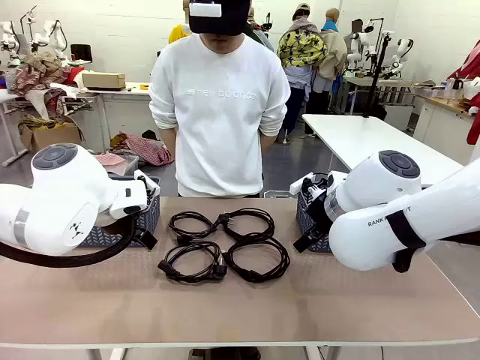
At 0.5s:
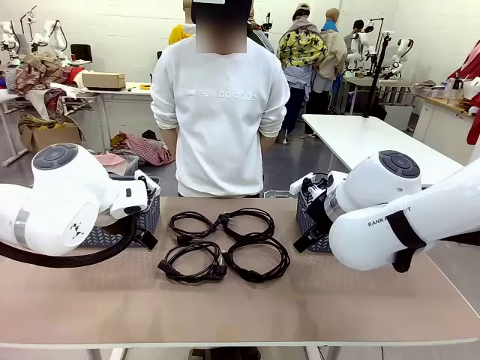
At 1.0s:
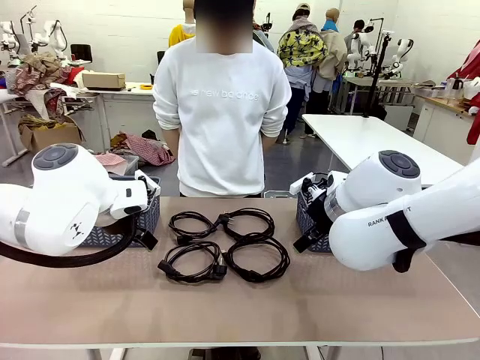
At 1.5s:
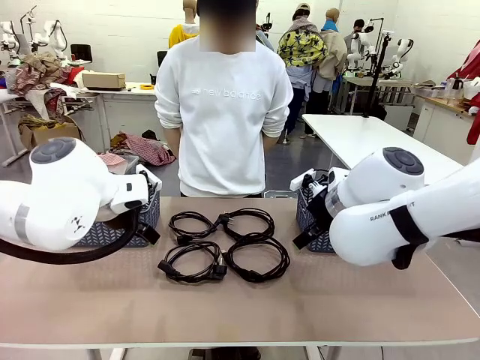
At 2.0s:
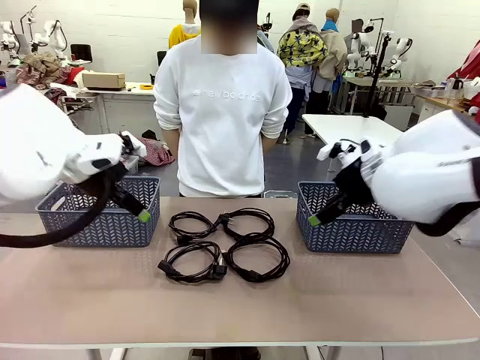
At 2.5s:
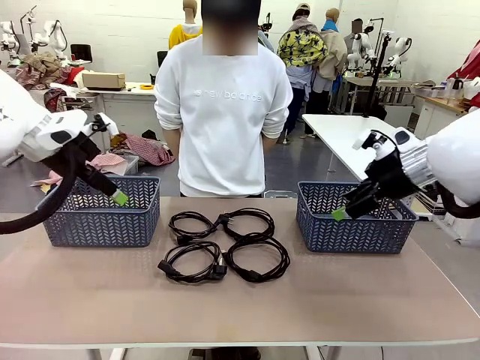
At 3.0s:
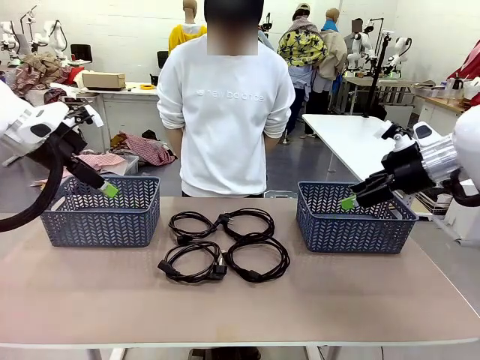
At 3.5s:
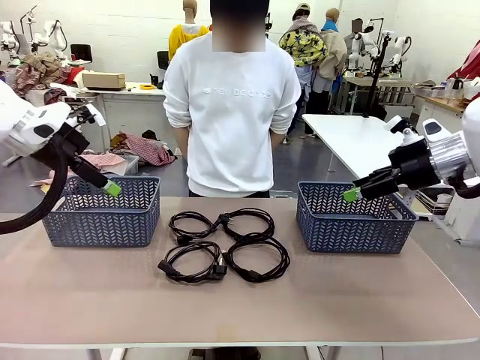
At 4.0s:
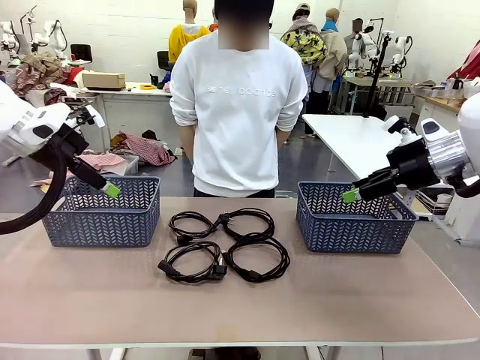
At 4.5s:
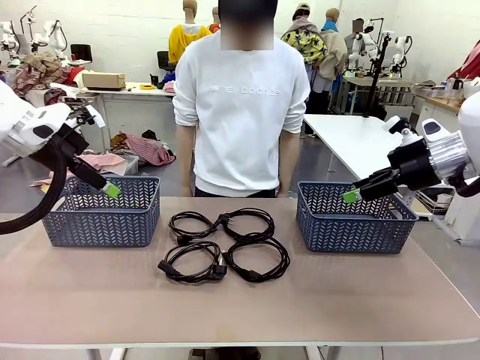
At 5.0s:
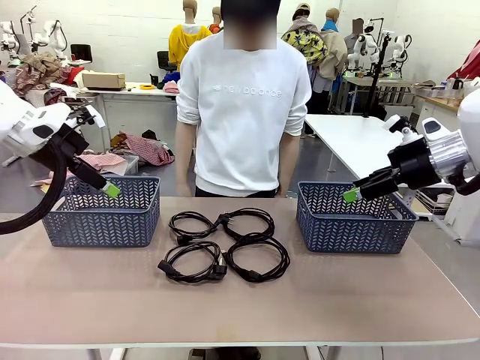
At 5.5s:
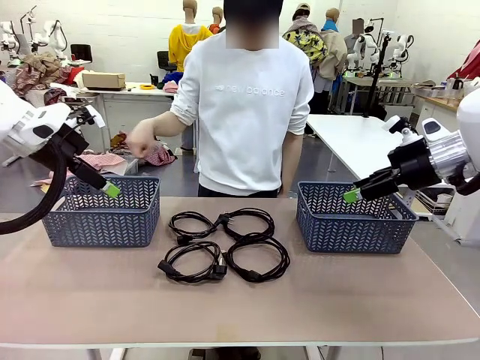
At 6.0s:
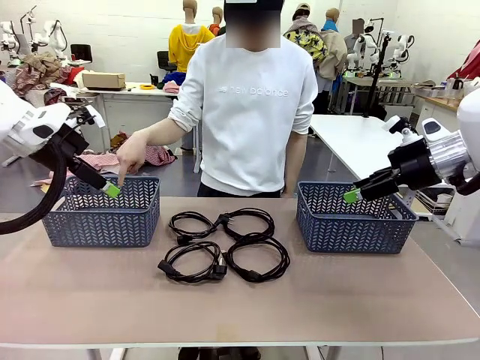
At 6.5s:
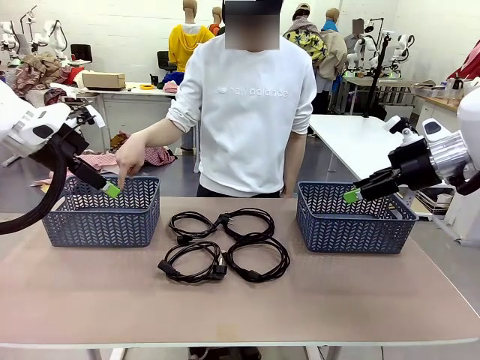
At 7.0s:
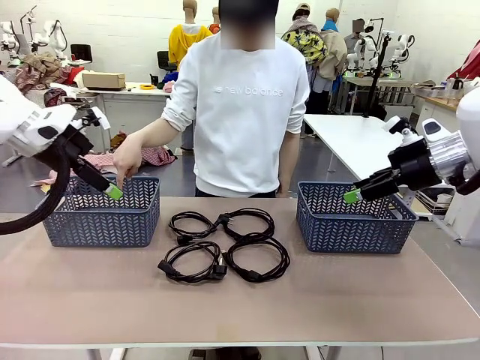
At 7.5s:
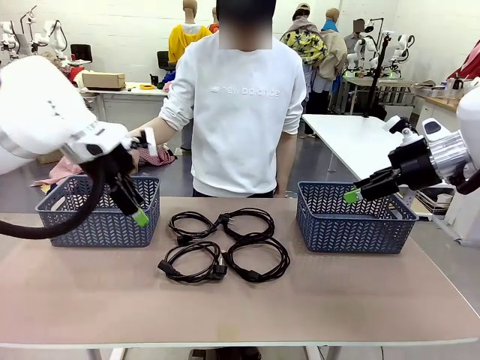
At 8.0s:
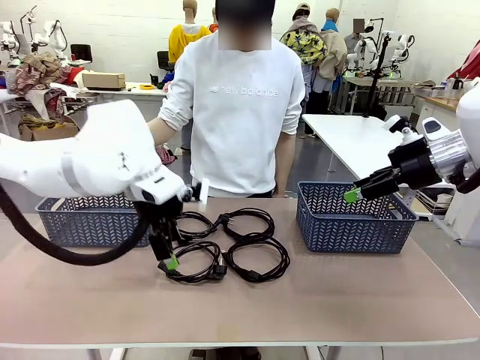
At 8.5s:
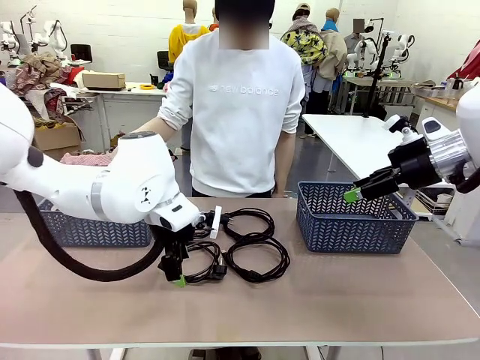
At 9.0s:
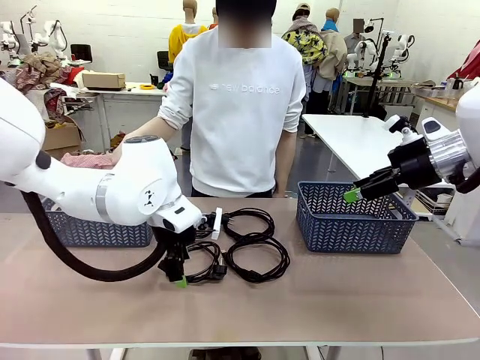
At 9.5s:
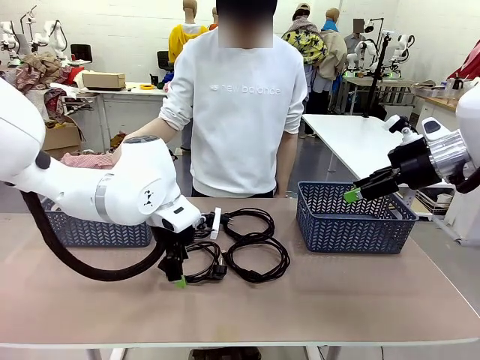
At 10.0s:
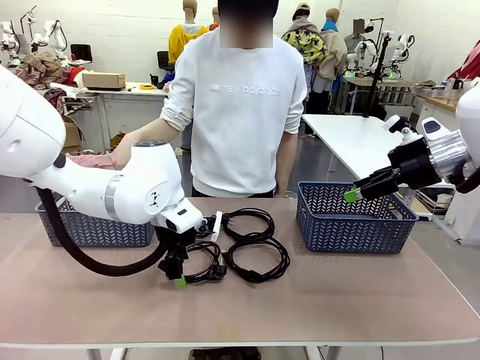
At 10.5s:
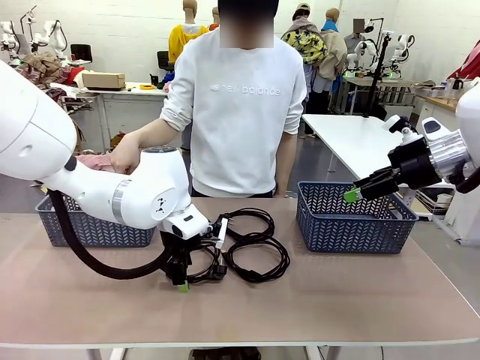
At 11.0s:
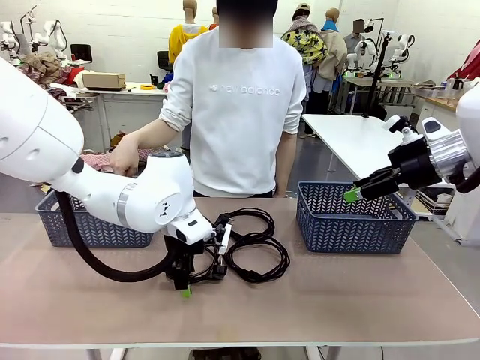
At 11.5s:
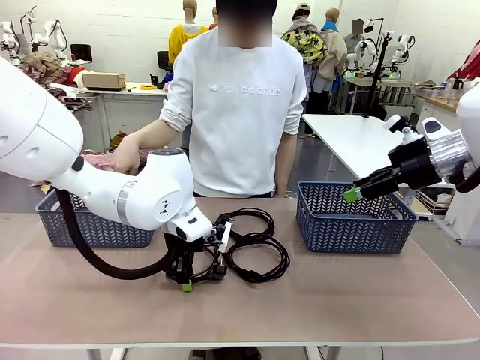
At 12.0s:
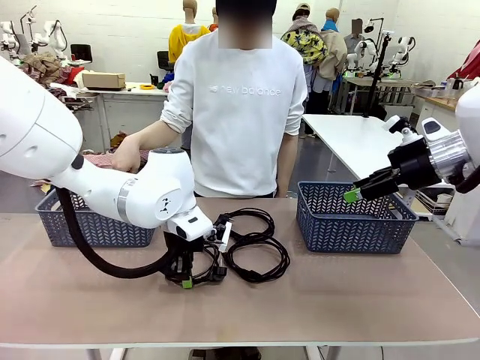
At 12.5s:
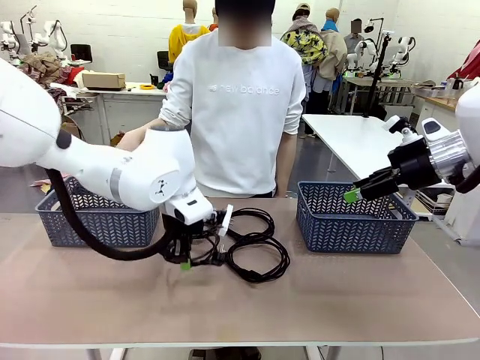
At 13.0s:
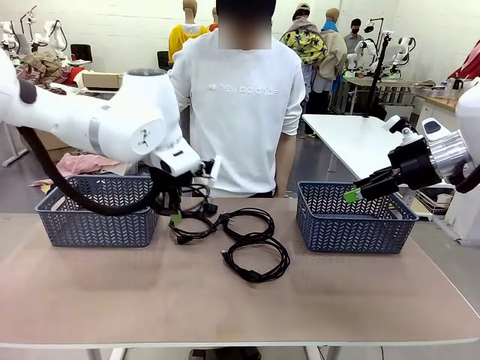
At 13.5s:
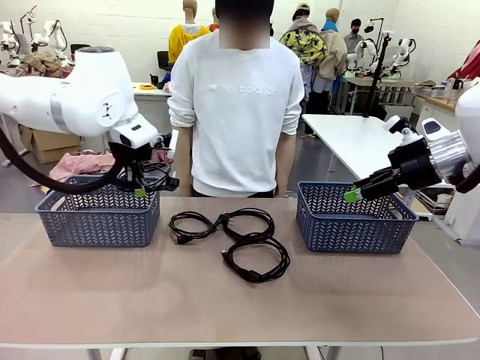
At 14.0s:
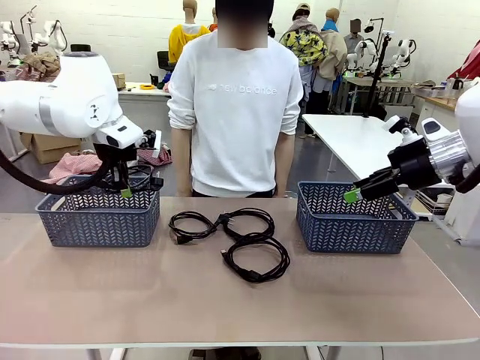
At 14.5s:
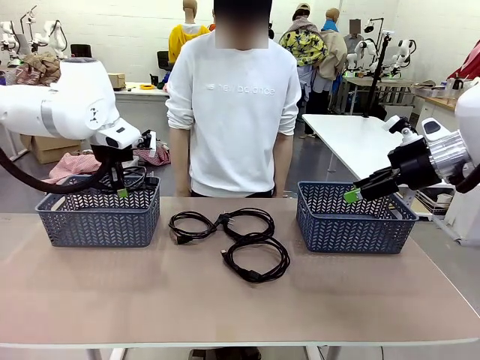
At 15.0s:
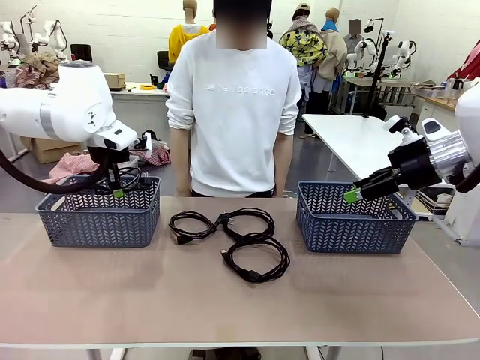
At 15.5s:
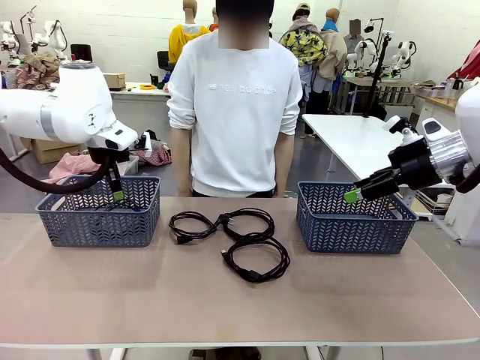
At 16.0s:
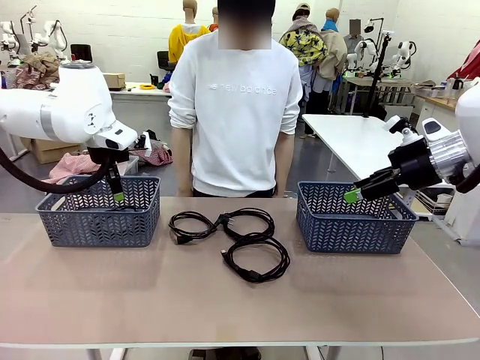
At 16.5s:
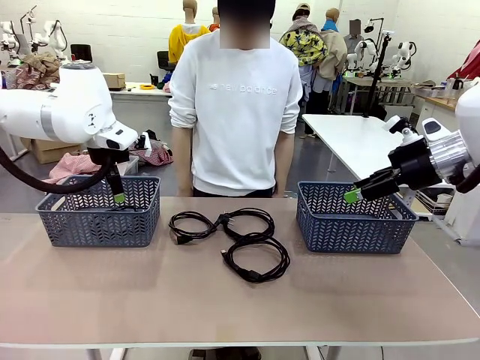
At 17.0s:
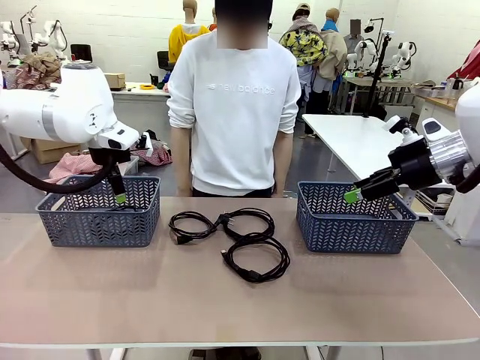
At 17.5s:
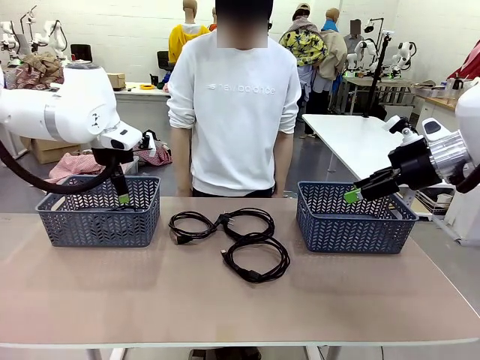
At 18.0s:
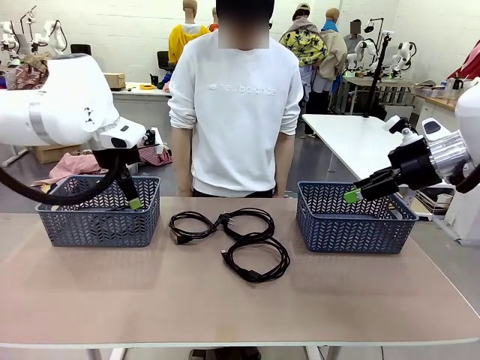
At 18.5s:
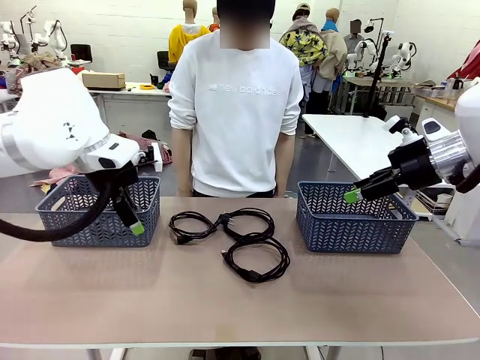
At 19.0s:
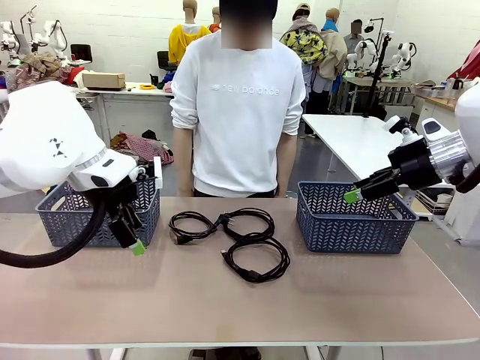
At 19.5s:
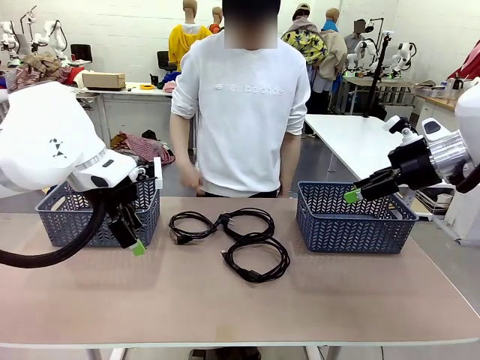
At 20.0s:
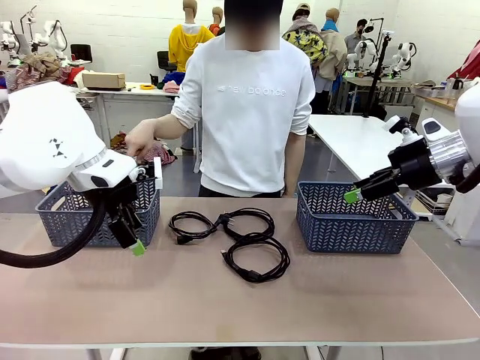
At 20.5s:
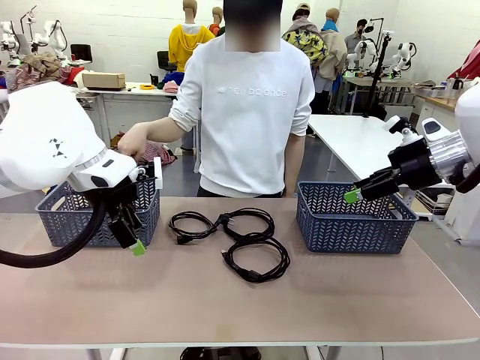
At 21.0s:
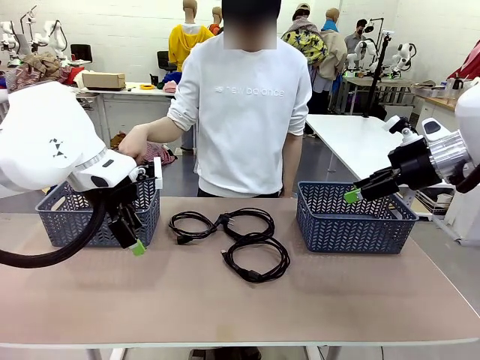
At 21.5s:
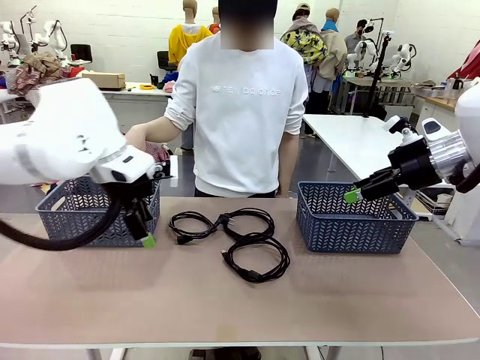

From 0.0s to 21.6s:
Task: Organize the cables according to human instructions.
Robot: Pick up a bundle of cables and place it in the basket indicated by the human.

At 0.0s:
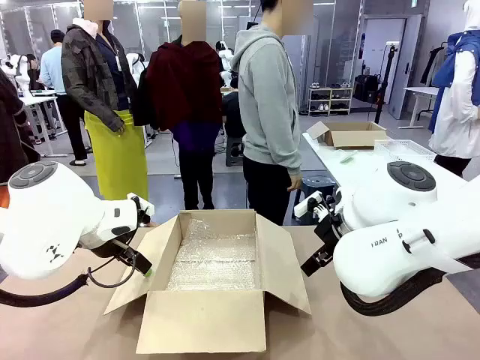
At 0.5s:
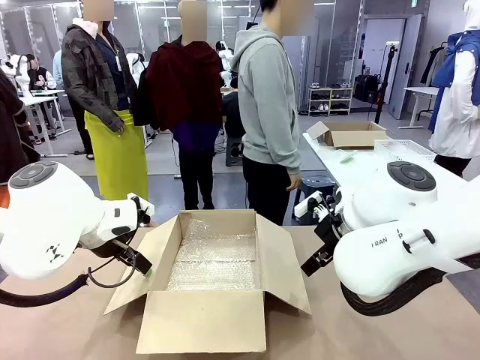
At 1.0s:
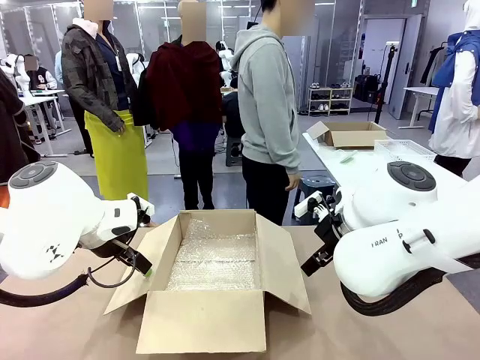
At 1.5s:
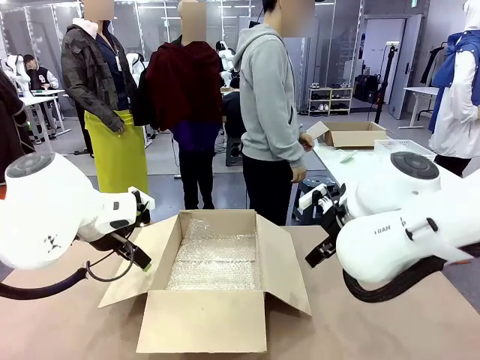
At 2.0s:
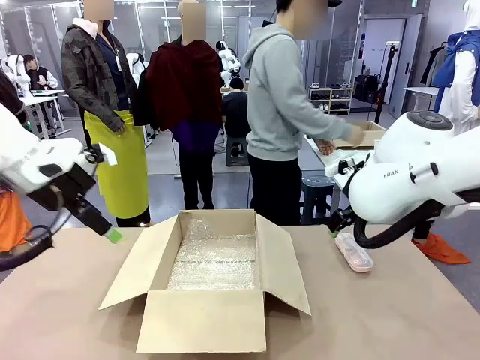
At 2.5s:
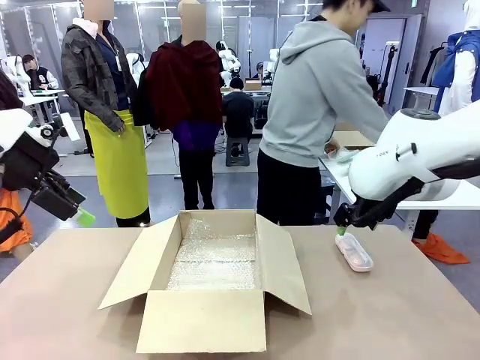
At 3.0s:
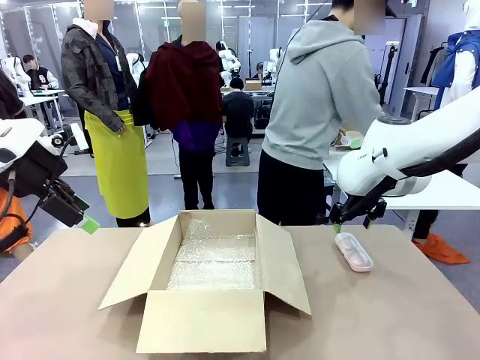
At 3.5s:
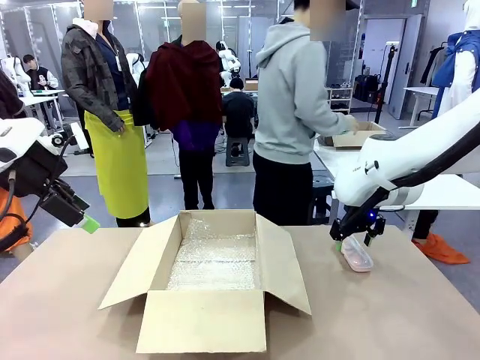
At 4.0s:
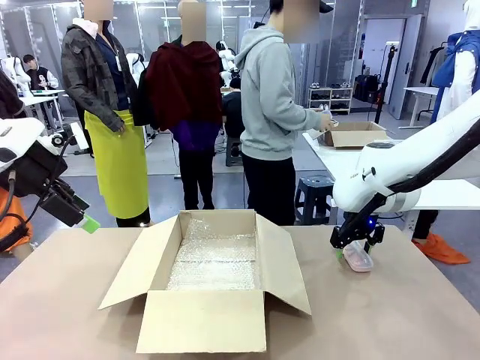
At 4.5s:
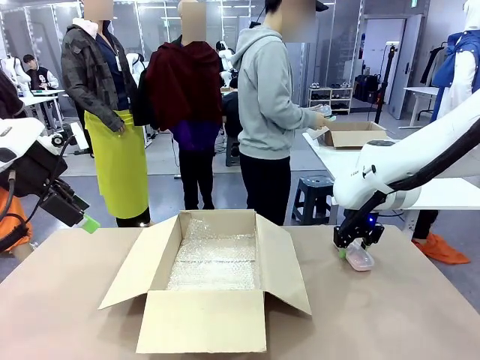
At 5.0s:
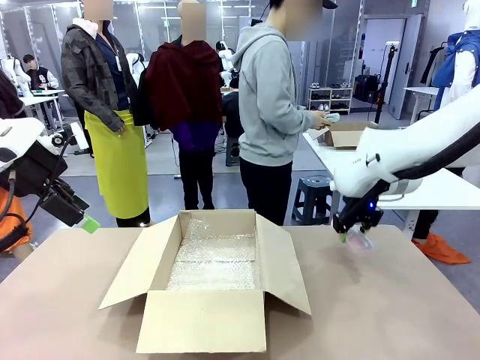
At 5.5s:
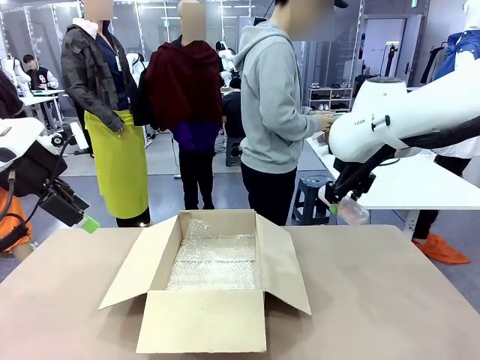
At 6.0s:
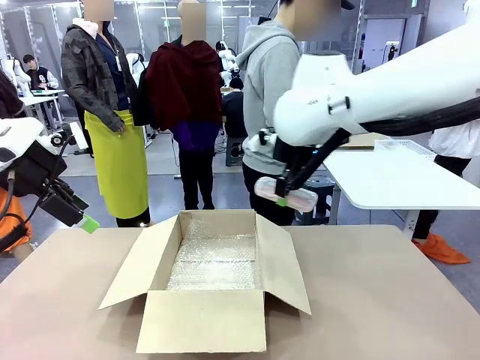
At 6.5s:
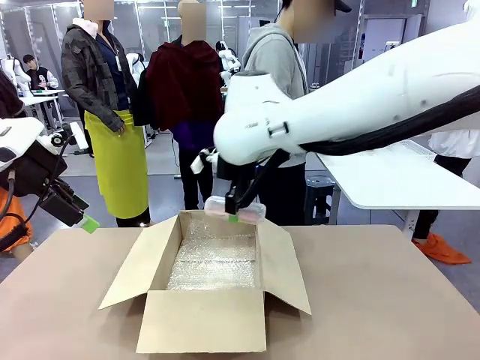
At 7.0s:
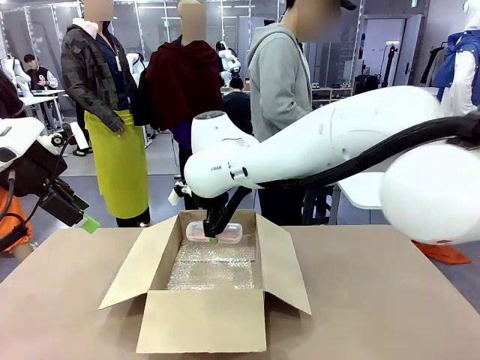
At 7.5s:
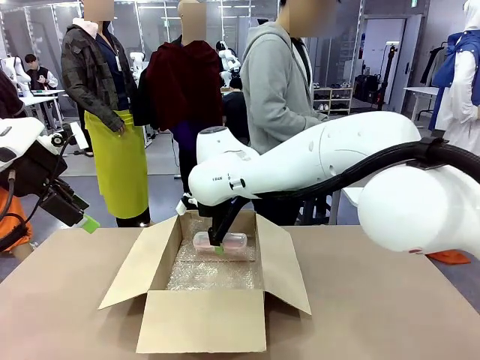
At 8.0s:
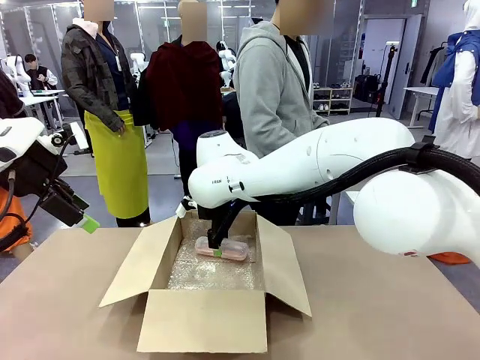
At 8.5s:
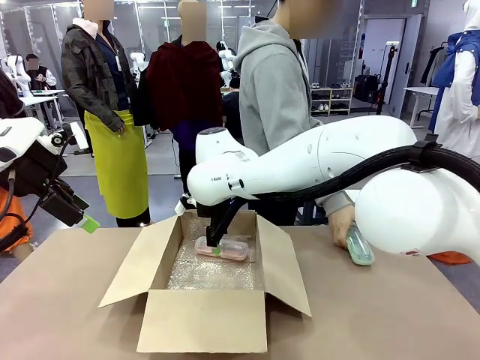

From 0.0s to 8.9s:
Task: Pack the glasses set securely to prepare it for shipping.
Robot: Place the Glasses case inside the Package Box.
Person: Place the Glasses inside the Glasses case.
